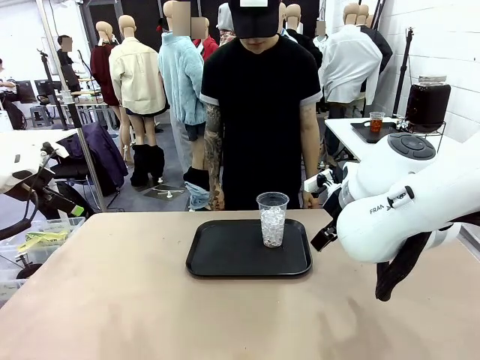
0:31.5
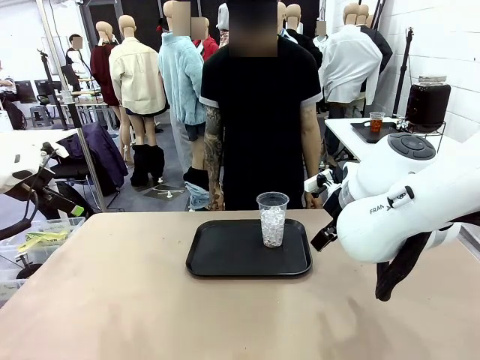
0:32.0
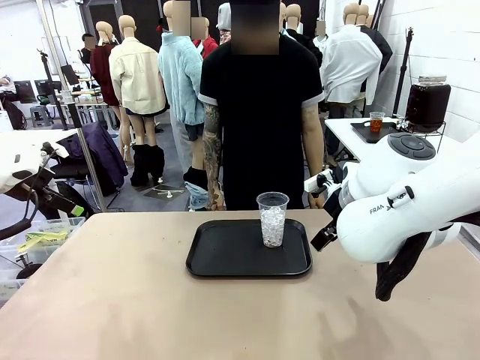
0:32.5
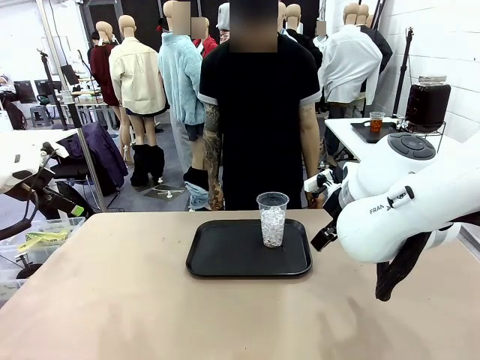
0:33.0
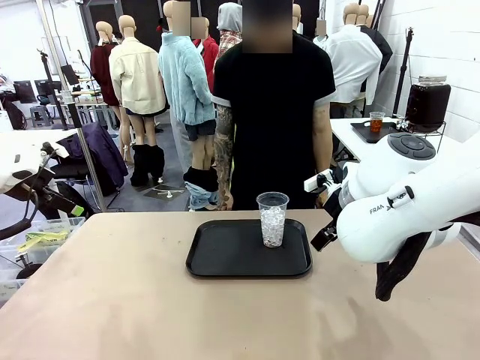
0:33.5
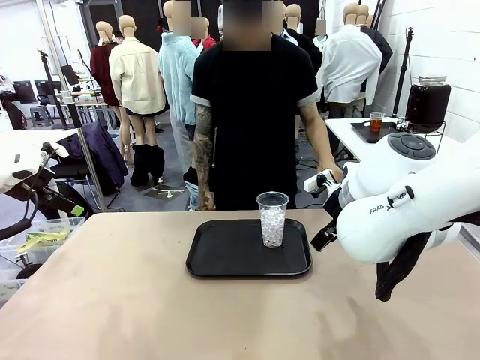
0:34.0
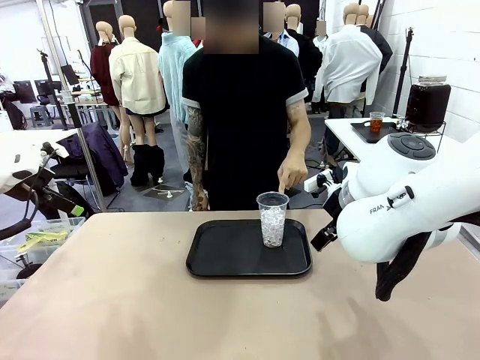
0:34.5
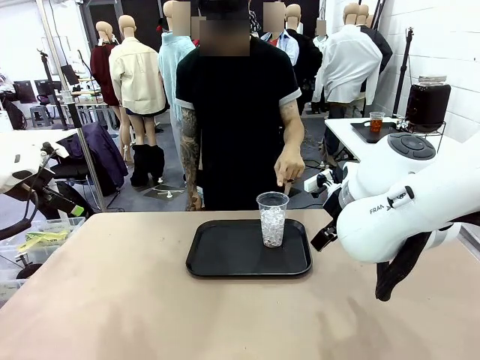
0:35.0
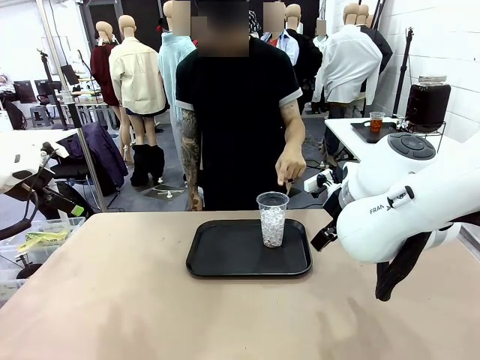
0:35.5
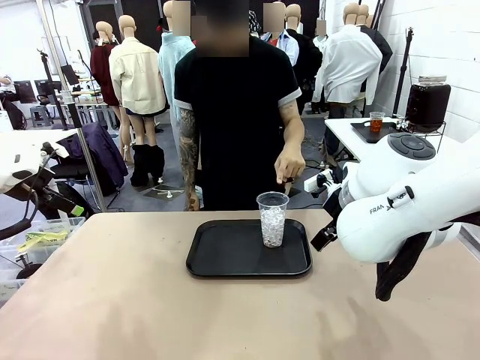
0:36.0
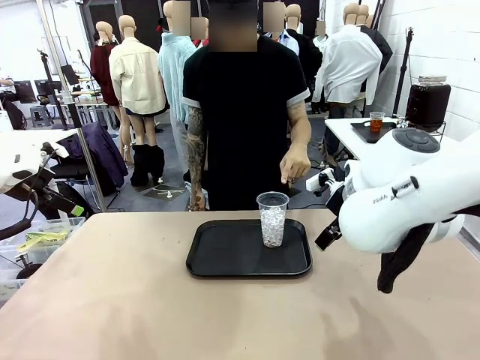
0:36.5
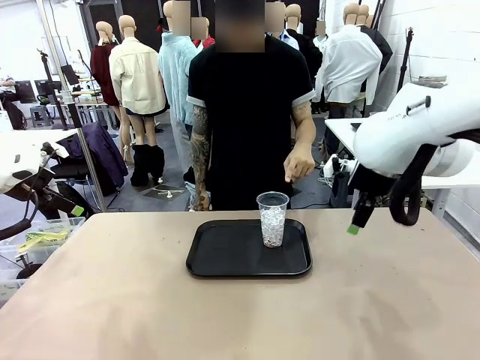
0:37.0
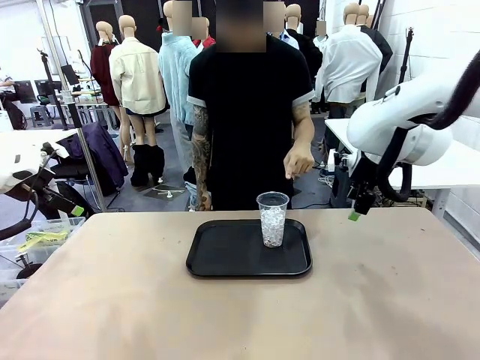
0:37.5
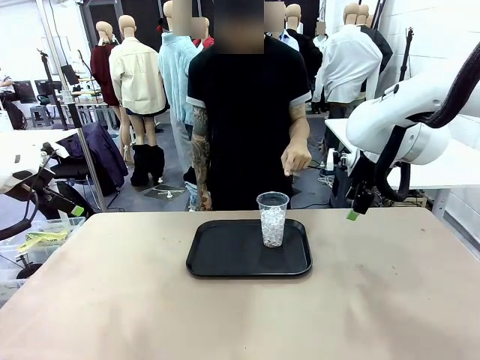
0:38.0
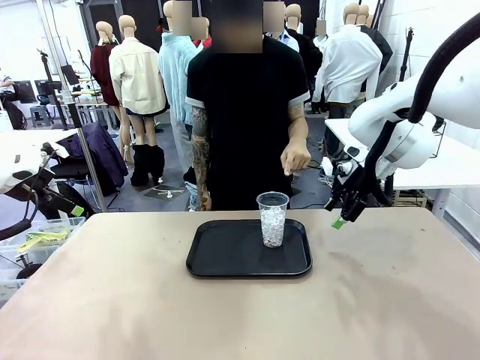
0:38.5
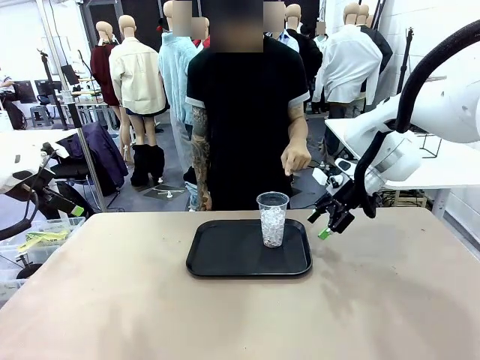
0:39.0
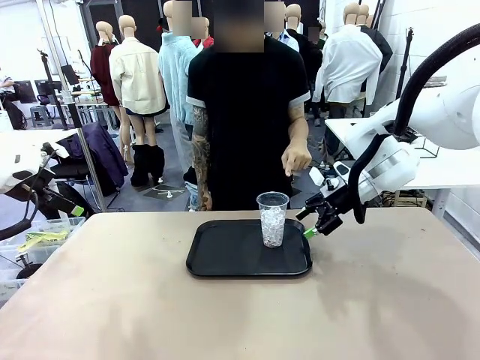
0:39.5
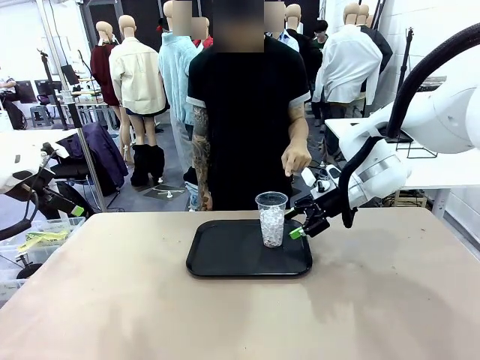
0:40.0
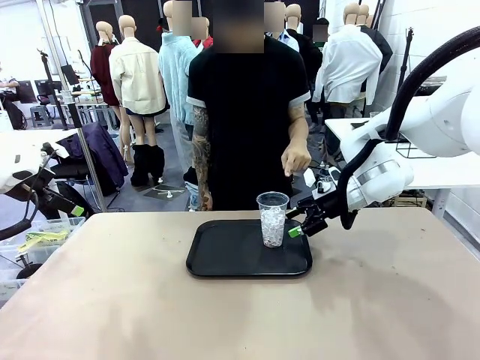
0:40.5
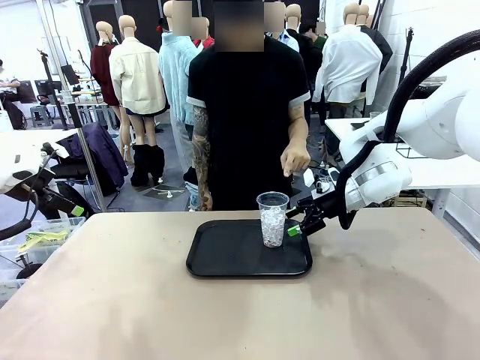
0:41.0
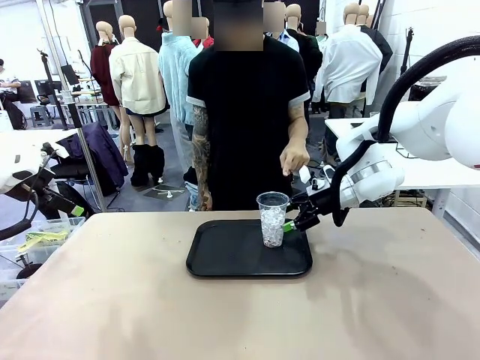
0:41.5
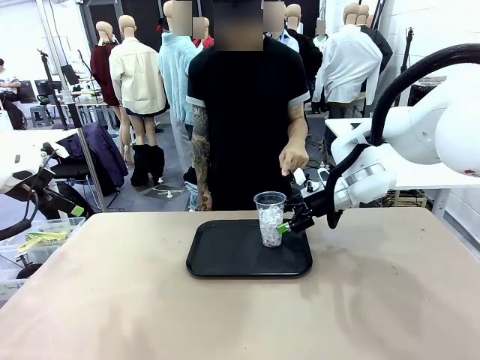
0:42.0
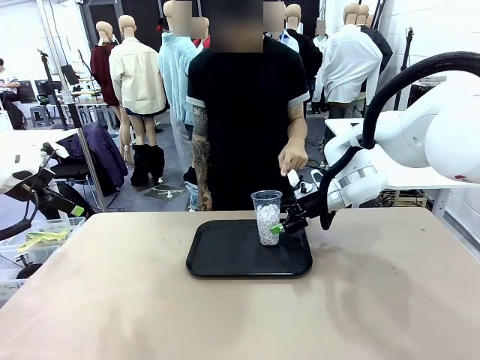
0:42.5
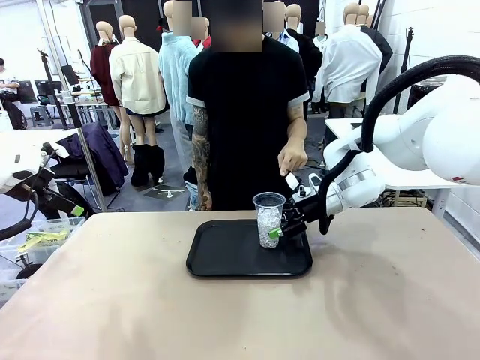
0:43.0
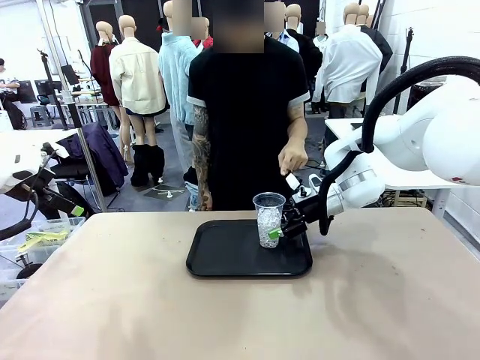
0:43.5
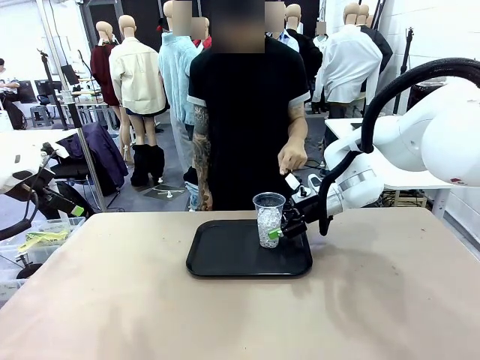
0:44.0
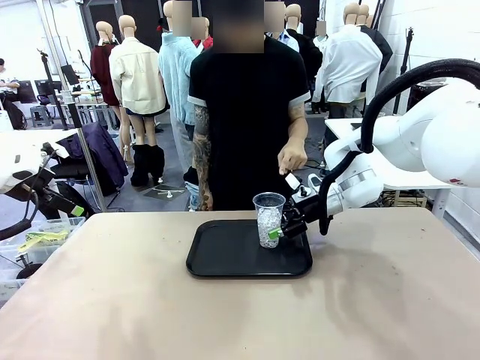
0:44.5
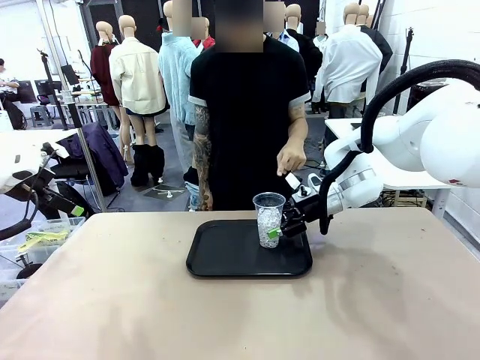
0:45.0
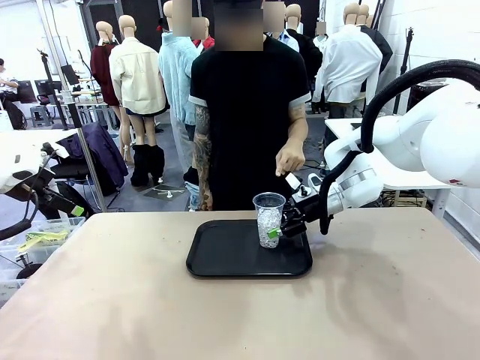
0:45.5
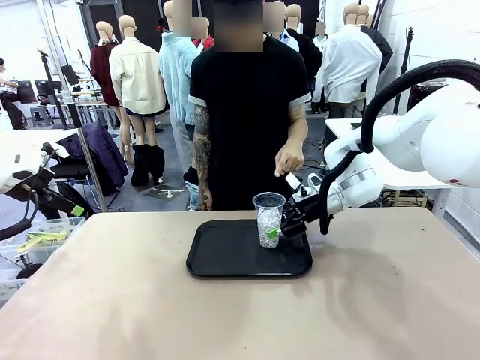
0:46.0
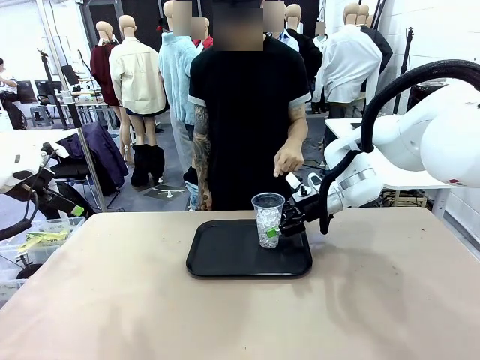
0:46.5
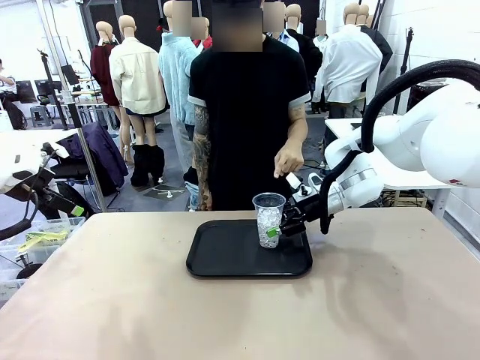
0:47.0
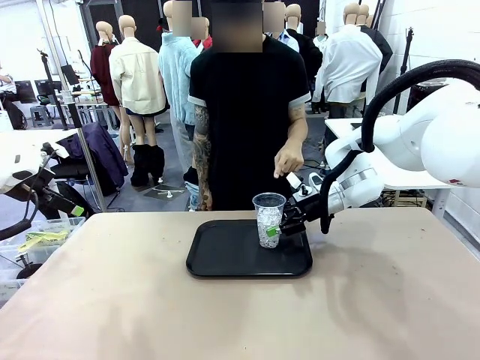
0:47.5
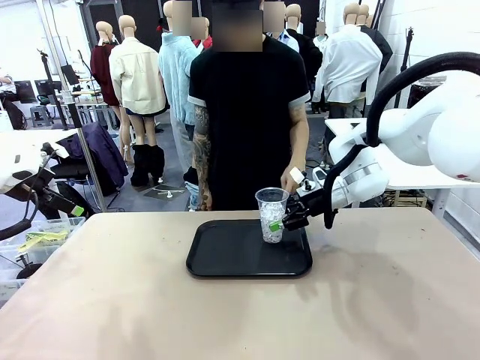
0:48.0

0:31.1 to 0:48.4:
Task: Pour the drink into the iced cup.
Robot: Pick up the iced cup indicated by the human and present it to them.
Person: Point to the remaining ice cup on the robot table. Pick up the cup offered by the robot.
